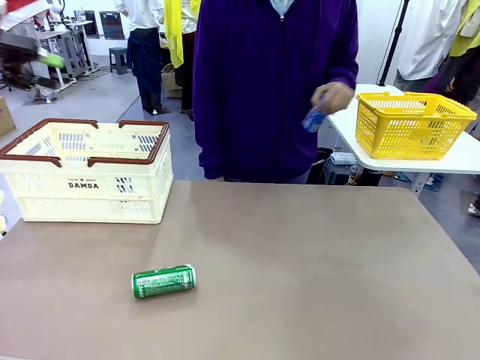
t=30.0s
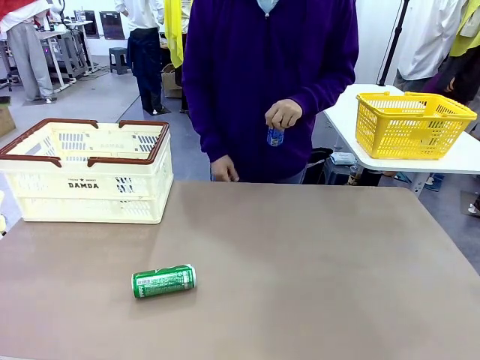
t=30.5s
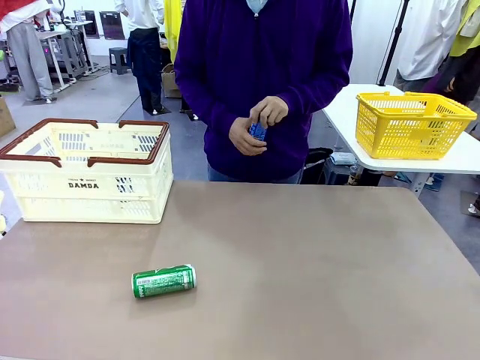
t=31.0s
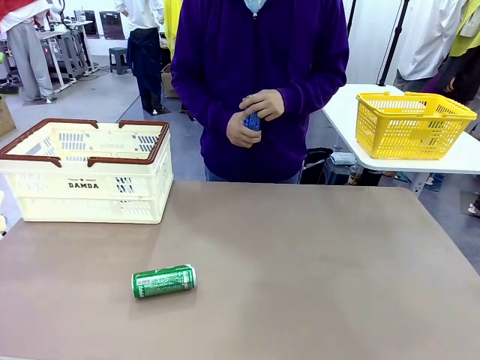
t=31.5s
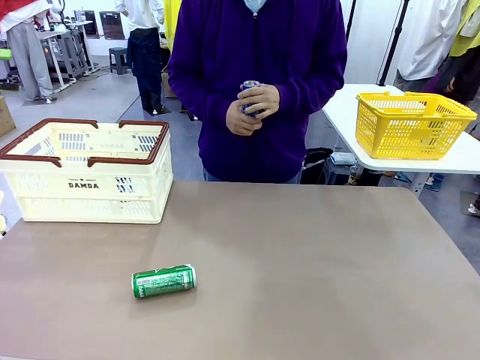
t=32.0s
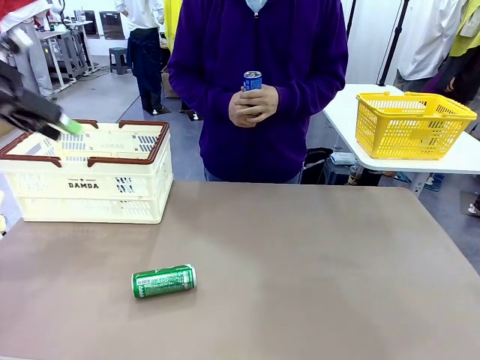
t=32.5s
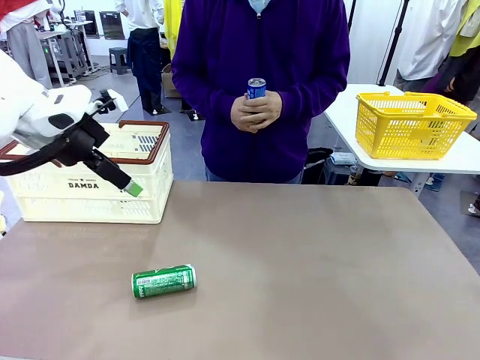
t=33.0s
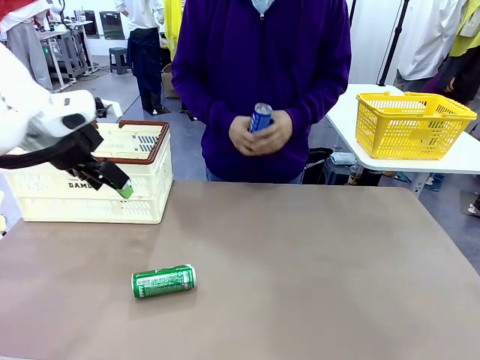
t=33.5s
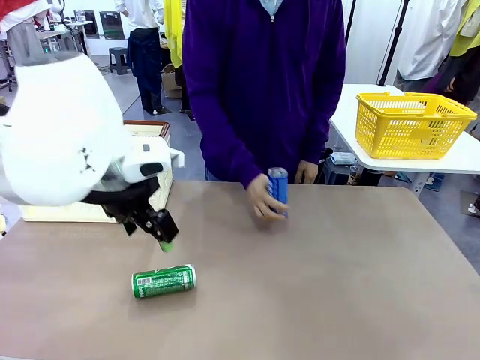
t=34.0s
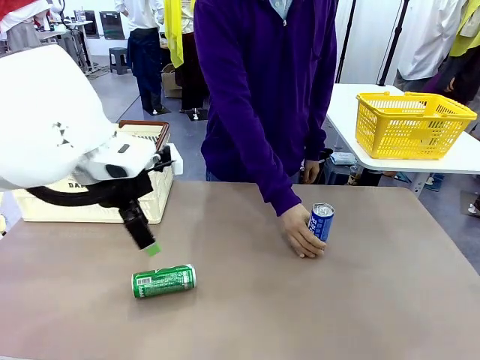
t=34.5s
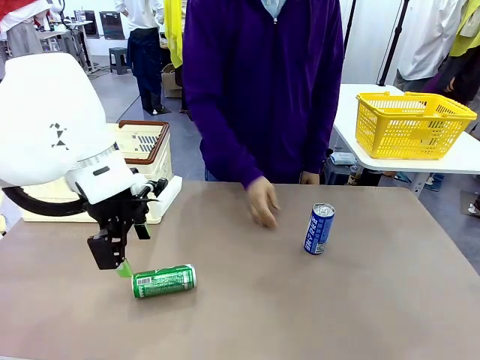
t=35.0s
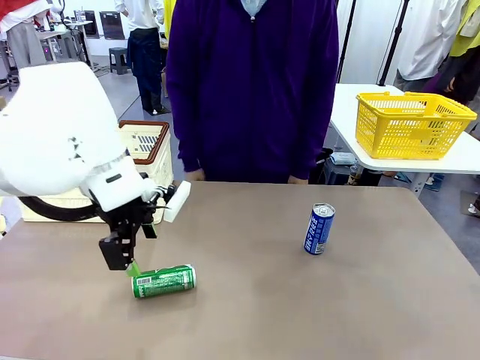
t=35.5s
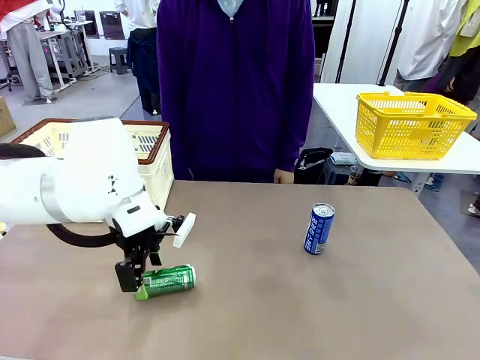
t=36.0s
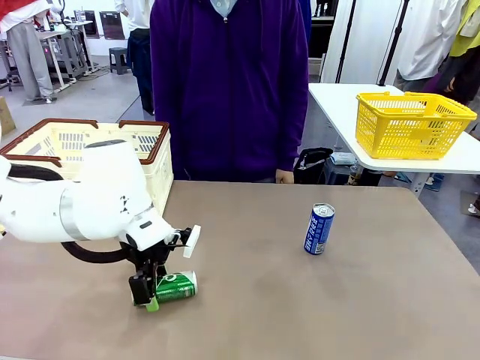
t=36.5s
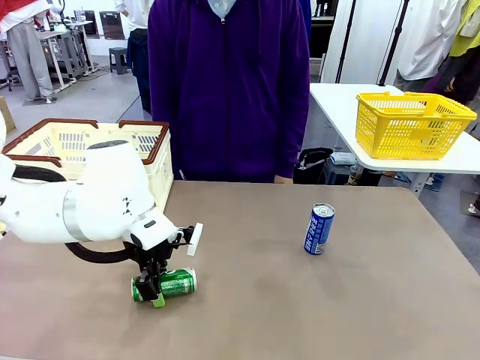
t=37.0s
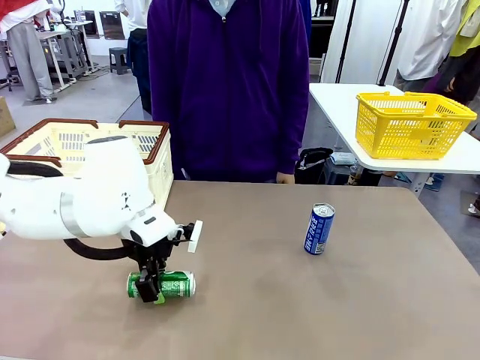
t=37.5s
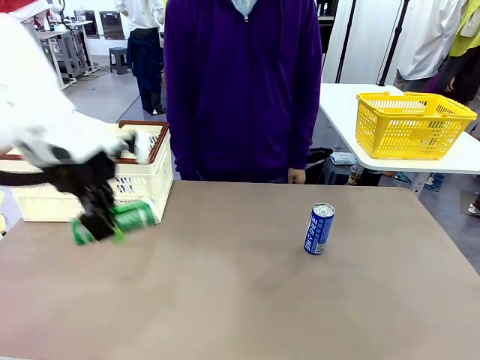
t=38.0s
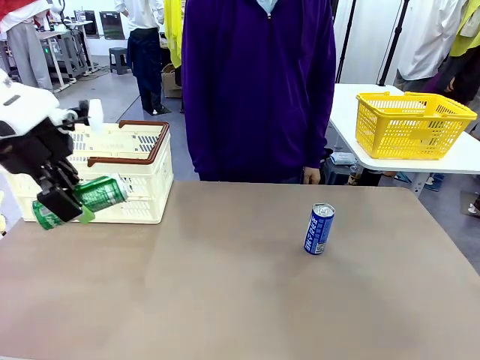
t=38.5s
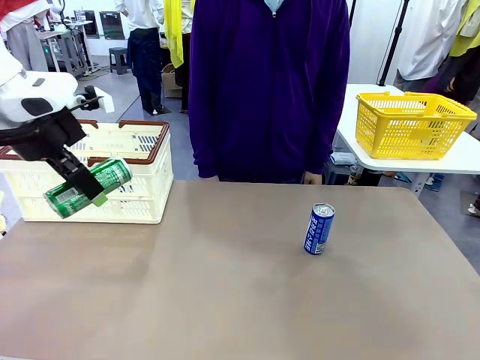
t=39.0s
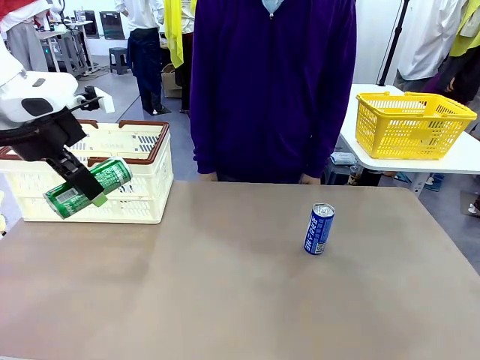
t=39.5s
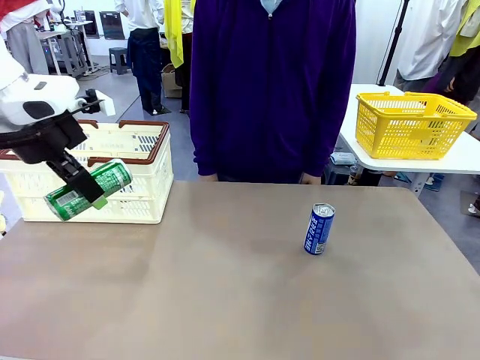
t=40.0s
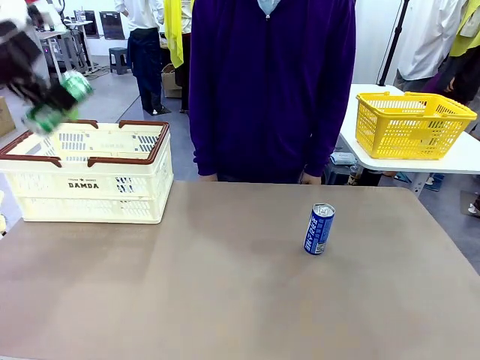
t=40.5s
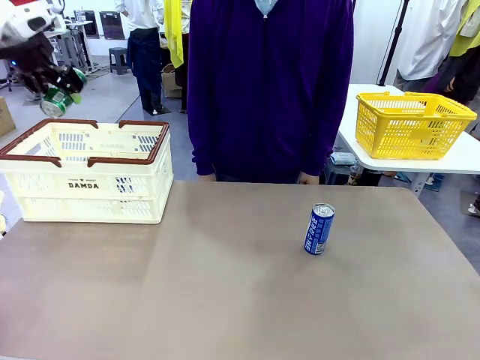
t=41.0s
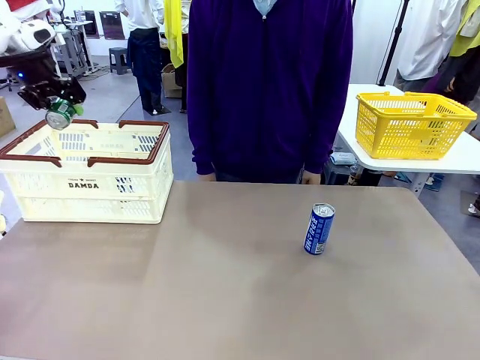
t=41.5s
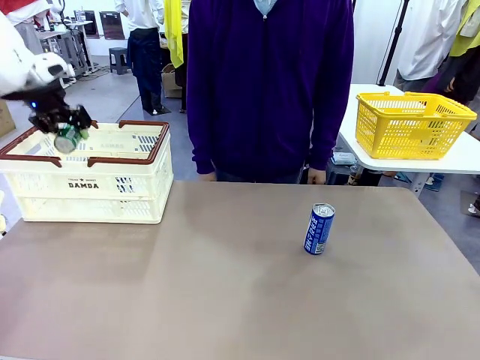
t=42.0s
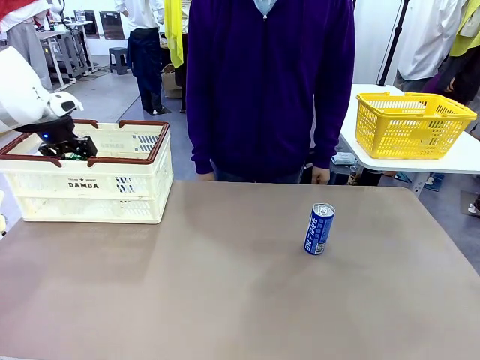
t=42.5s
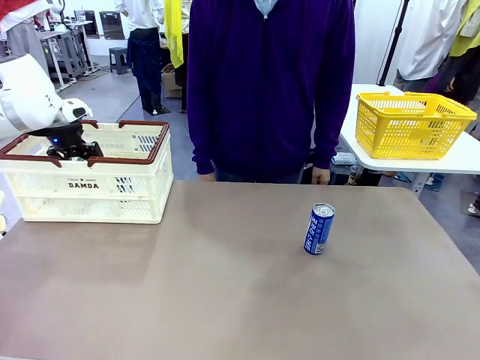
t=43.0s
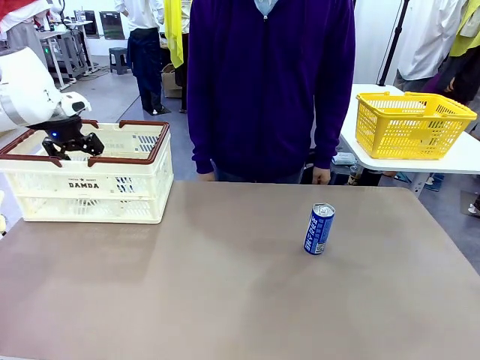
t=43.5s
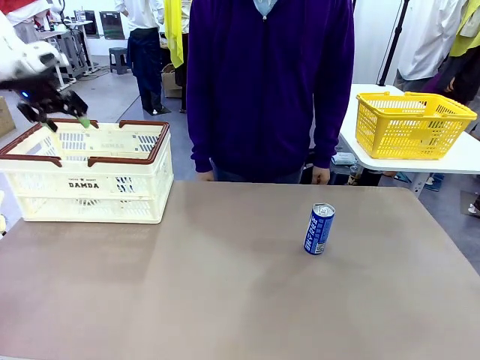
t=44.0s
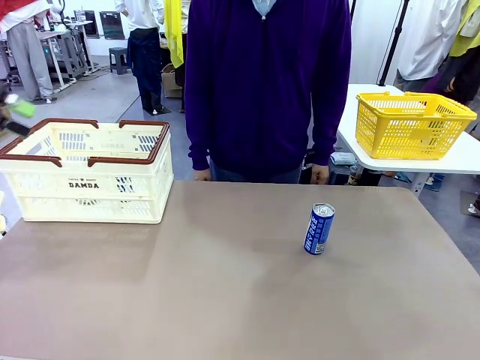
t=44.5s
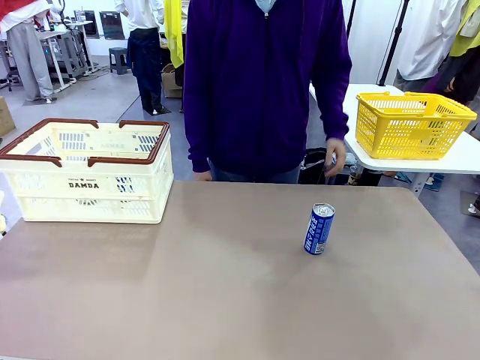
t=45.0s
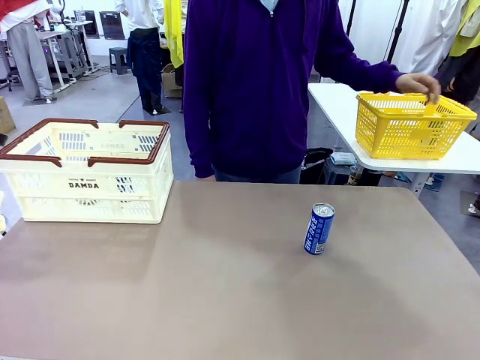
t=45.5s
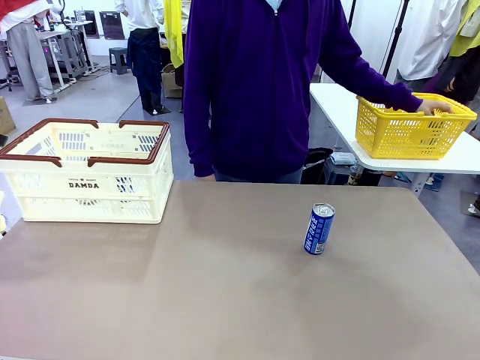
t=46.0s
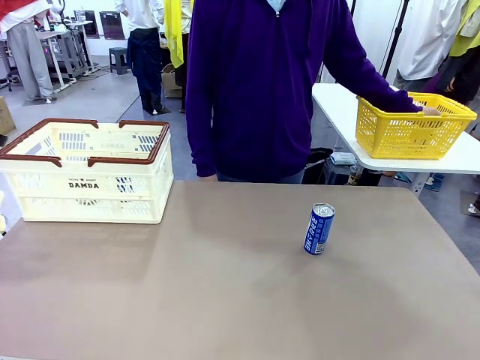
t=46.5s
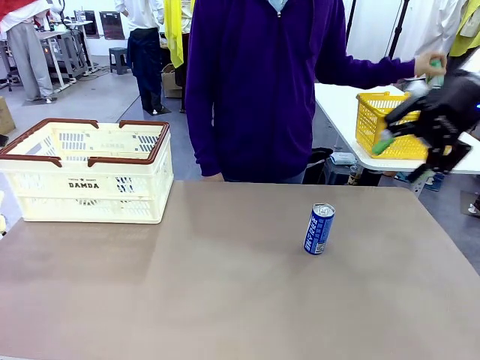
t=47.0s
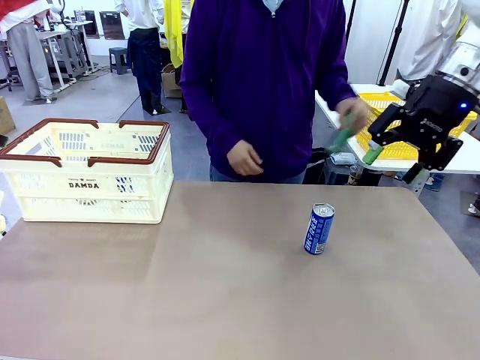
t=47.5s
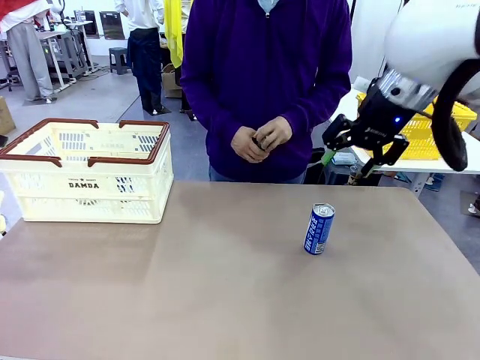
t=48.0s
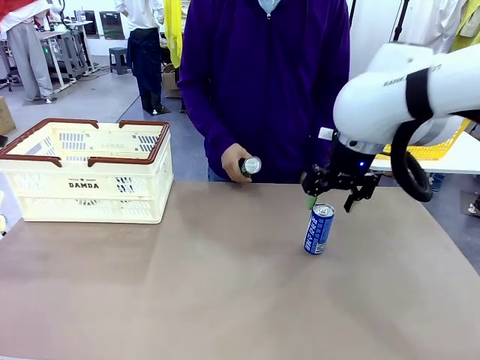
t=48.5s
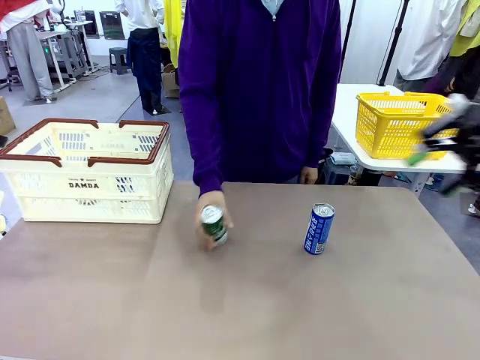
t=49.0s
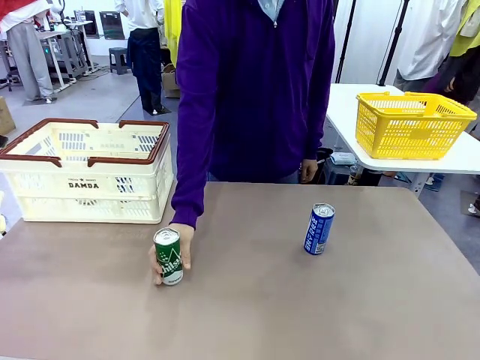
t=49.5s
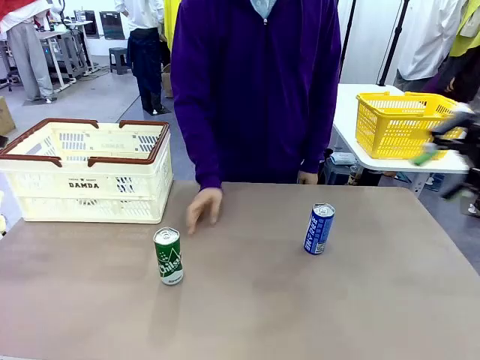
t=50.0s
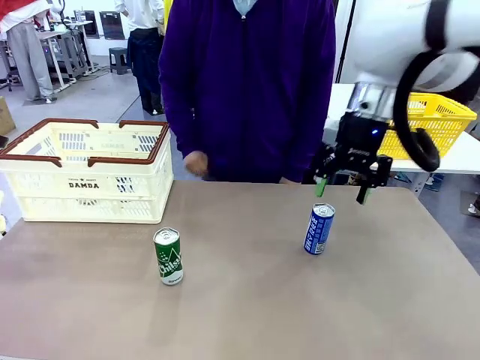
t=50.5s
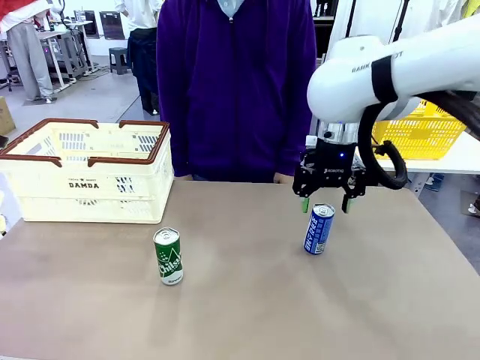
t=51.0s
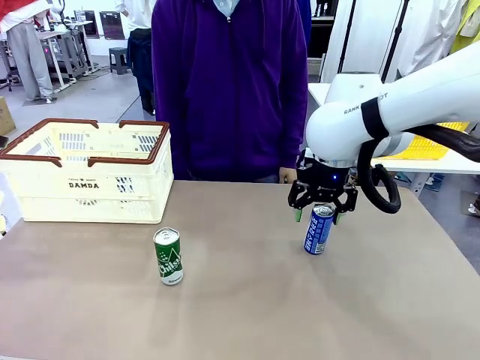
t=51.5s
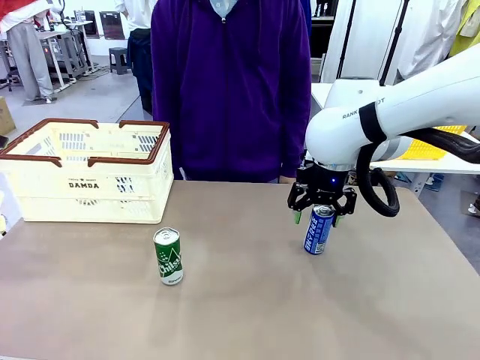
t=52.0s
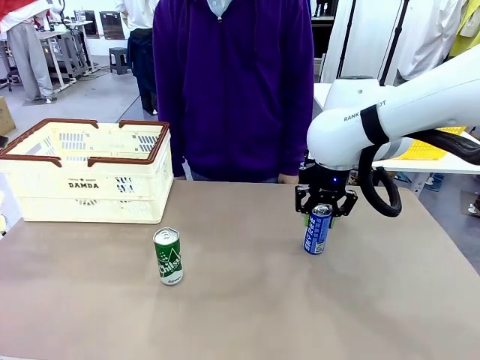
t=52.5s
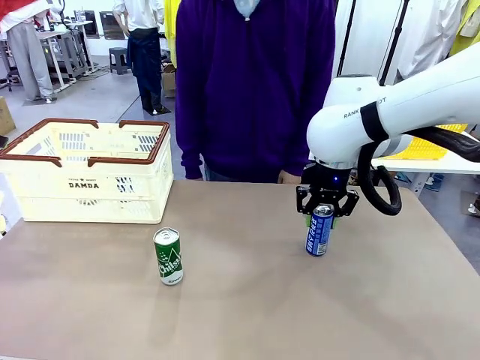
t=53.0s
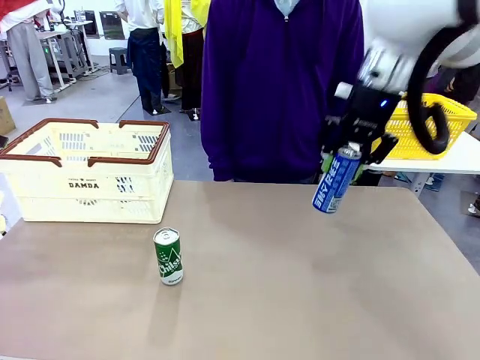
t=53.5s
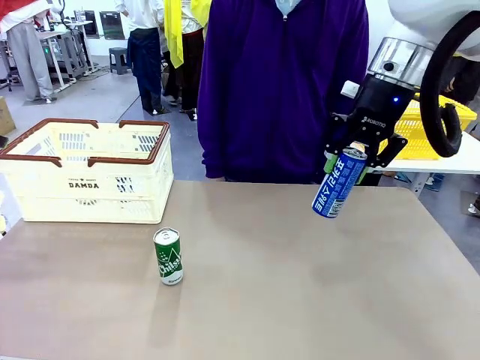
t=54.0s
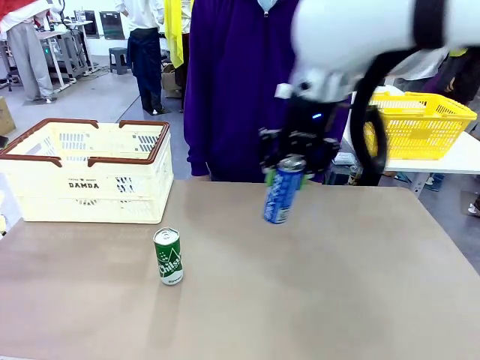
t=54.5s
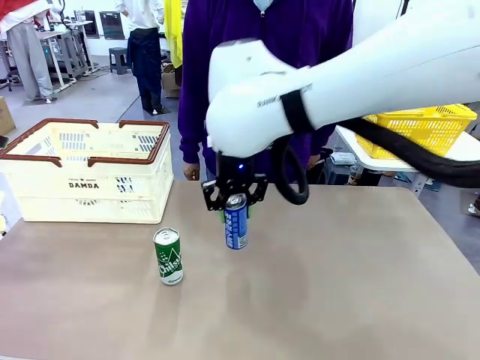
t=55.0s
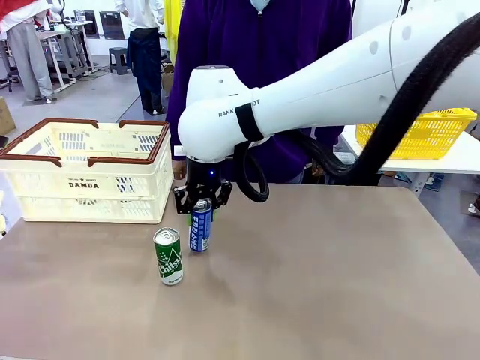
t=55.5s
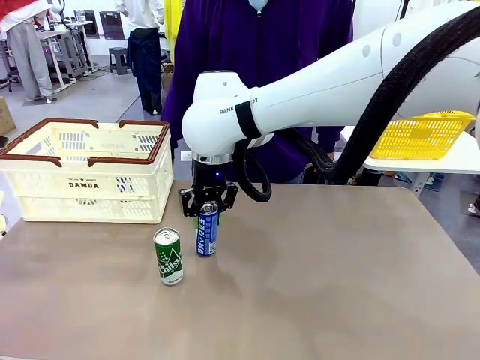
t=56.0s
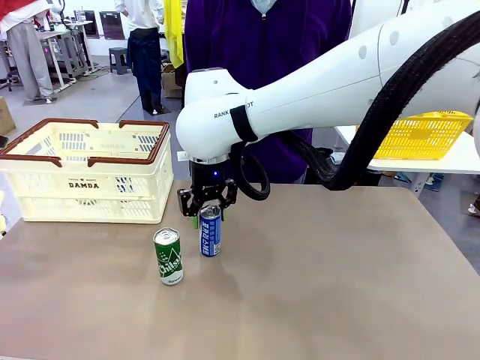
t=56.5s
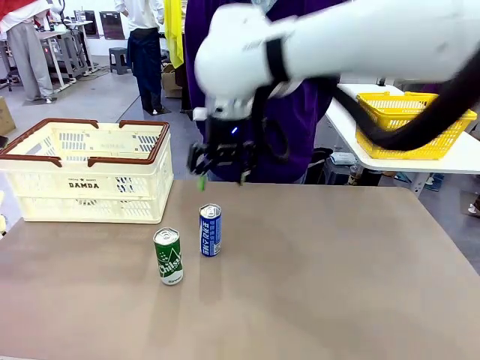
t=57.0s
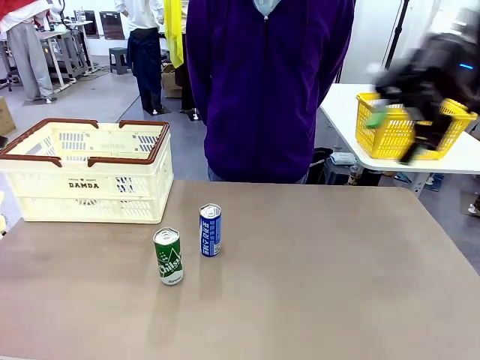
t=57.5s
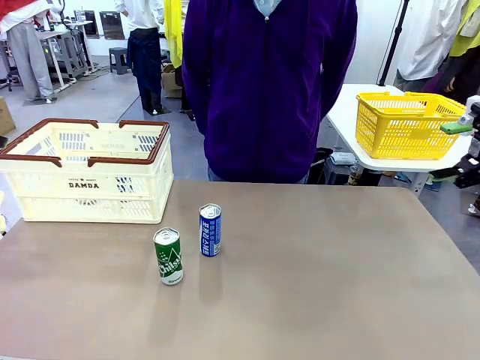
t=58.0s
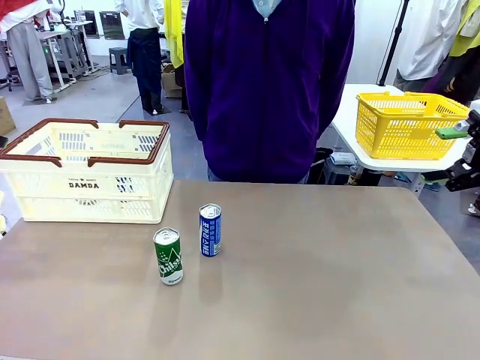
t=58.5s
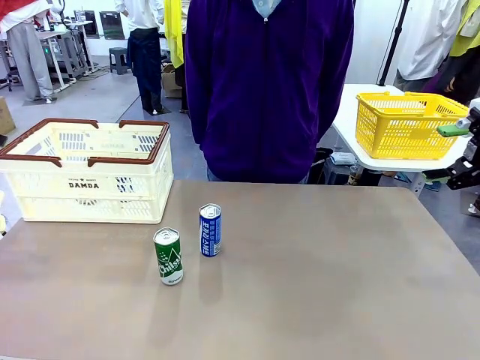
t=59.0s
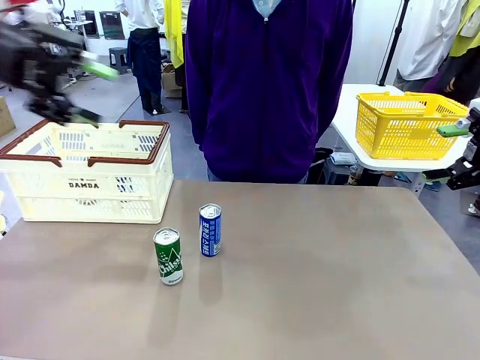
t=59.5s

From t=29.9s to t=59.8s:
Task: Place the drinks into the Shopping basket.
Robot: Pick up one drink and place it into the Shopping basket.
